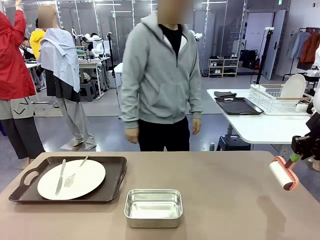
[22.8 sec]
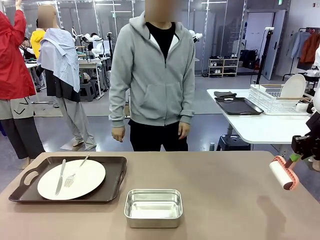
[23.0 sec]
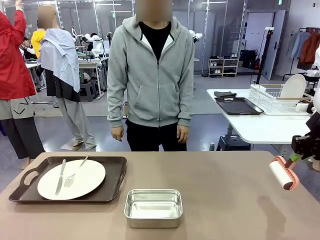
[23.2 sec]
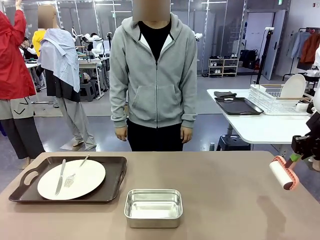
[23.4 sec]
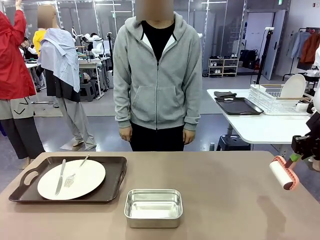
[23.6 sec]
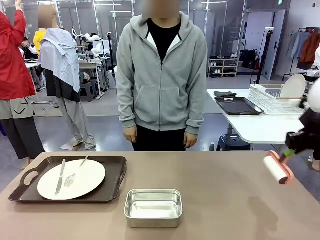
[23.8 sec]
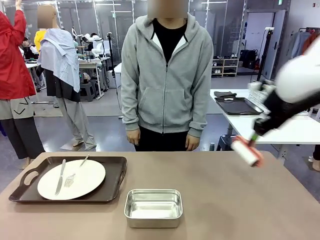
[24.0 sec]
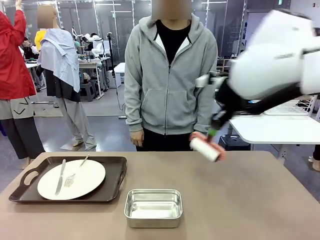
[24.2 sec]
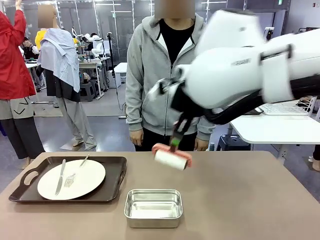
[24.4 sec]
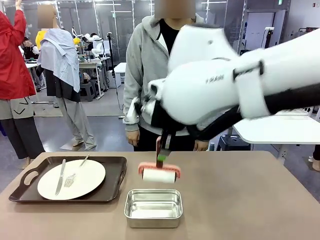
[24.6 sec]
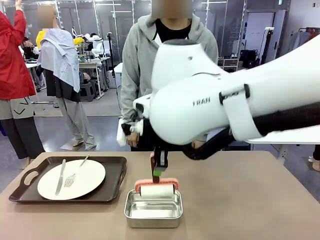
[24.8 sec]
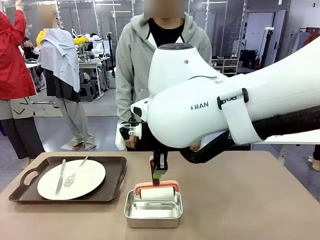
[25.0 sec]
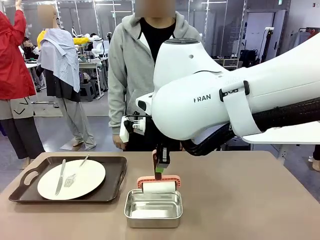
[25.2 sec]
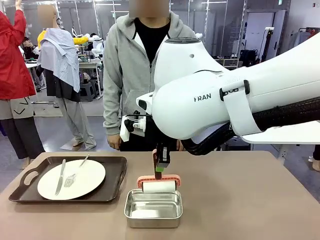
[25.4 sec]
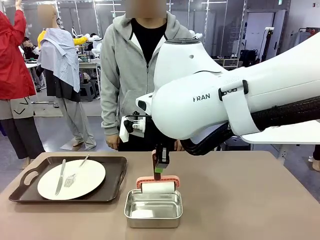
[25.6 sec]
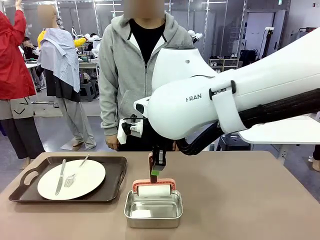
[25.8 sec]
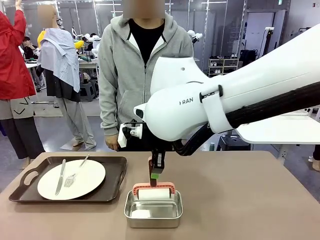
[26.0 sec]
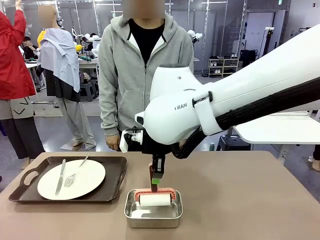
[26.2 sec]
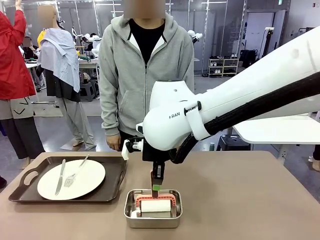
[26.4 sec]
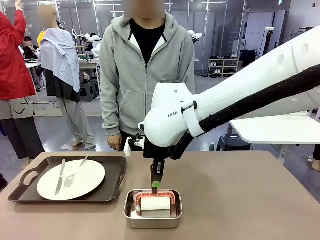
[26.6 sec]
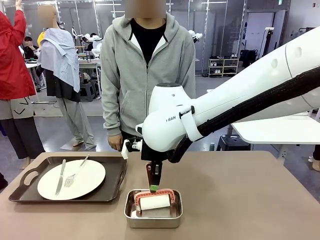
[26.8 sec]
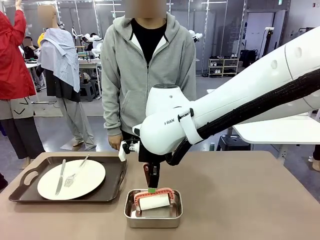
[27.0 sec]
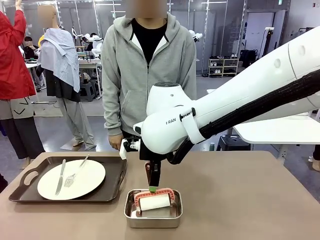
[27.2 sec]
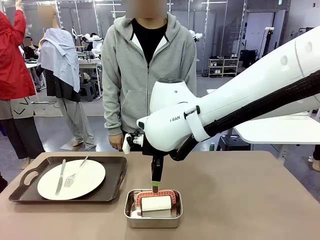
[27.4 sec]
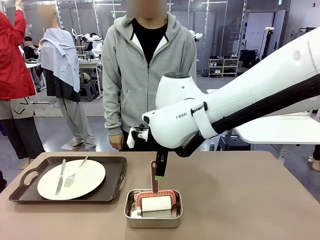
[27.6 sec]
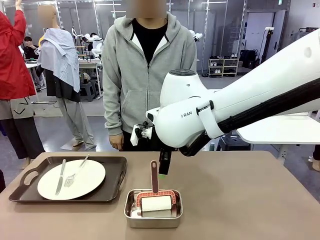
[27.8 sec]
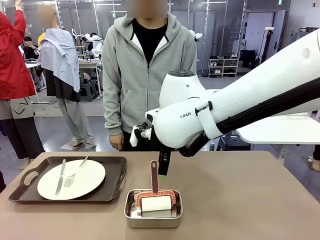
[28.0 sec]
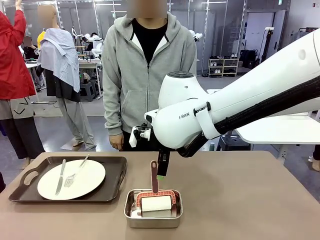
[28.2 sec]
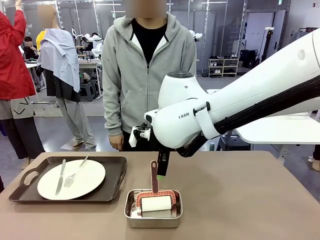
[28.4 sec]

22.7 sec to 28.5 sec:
Robot: Place the Lint Roller back on top of the Airtight Container.

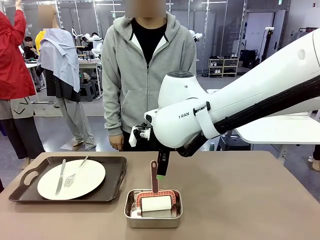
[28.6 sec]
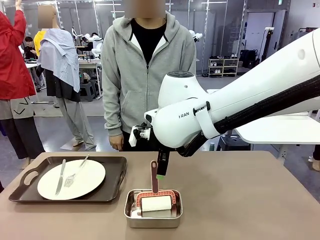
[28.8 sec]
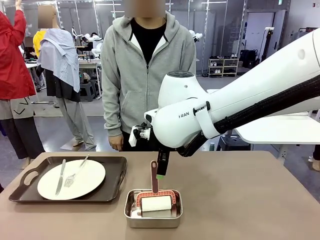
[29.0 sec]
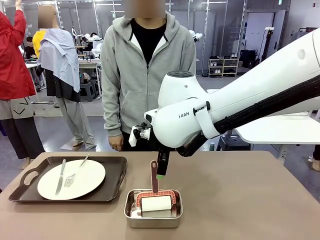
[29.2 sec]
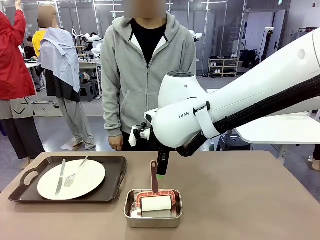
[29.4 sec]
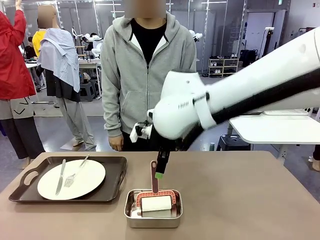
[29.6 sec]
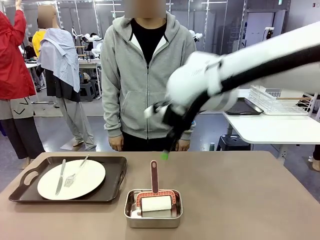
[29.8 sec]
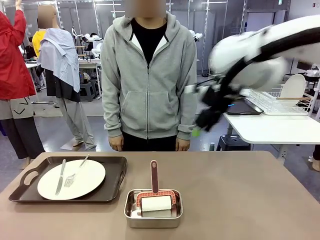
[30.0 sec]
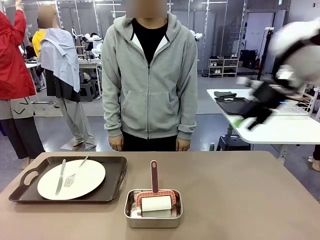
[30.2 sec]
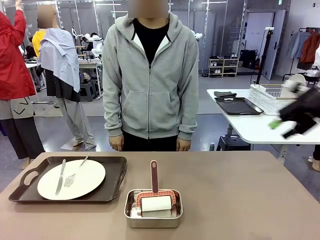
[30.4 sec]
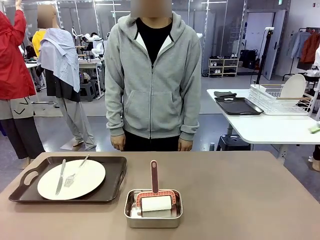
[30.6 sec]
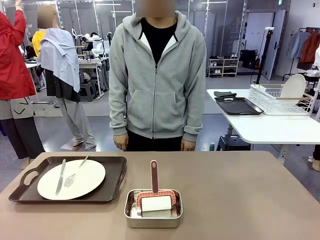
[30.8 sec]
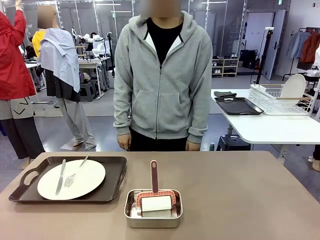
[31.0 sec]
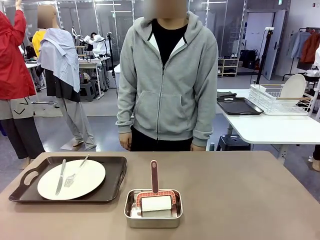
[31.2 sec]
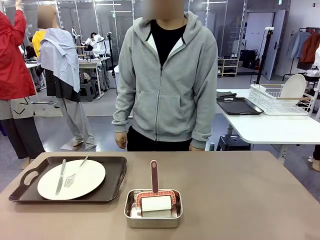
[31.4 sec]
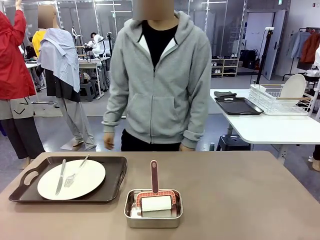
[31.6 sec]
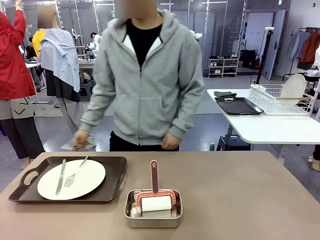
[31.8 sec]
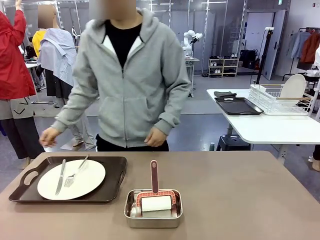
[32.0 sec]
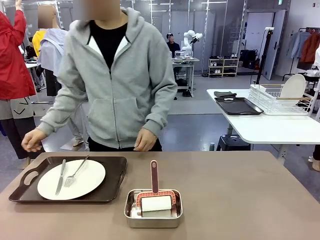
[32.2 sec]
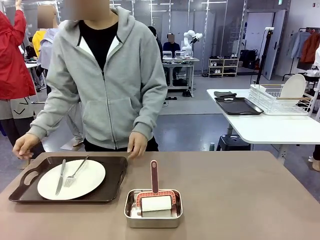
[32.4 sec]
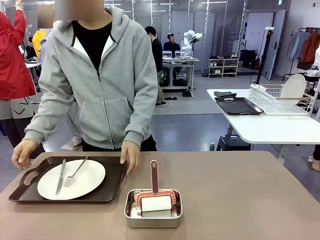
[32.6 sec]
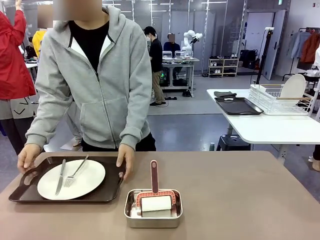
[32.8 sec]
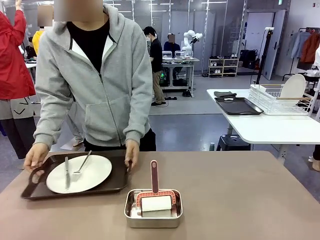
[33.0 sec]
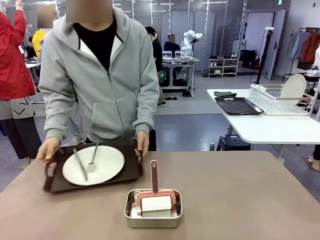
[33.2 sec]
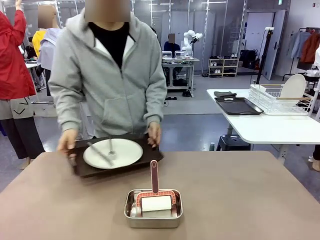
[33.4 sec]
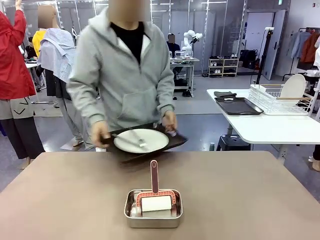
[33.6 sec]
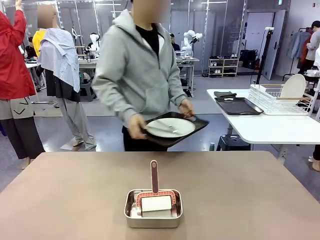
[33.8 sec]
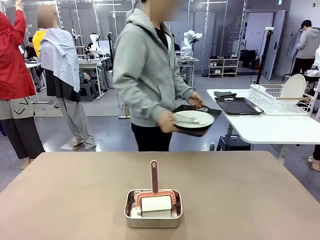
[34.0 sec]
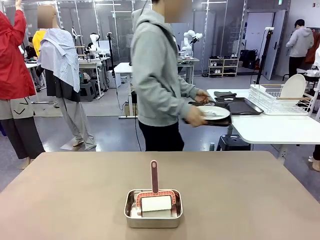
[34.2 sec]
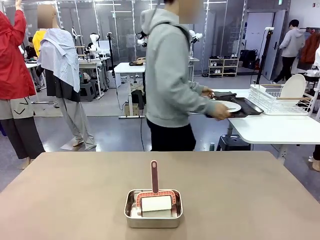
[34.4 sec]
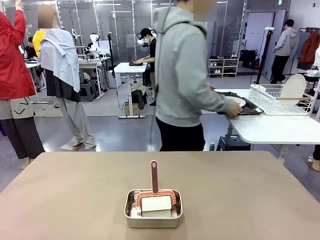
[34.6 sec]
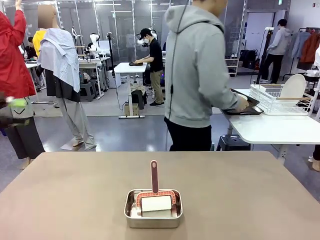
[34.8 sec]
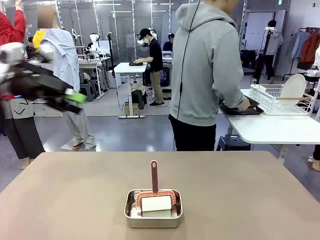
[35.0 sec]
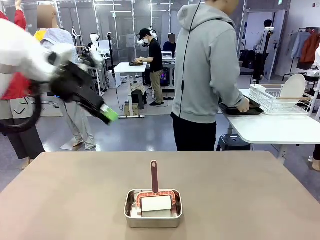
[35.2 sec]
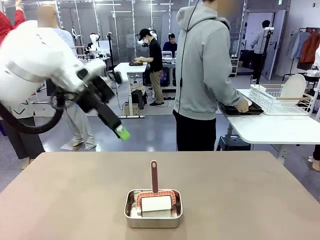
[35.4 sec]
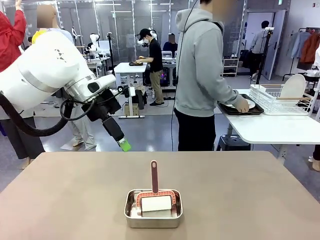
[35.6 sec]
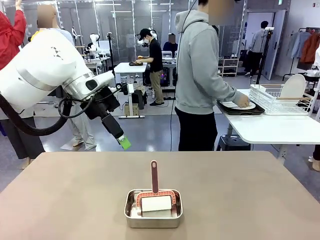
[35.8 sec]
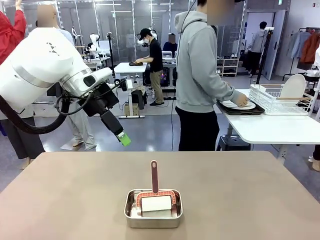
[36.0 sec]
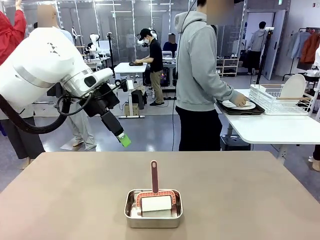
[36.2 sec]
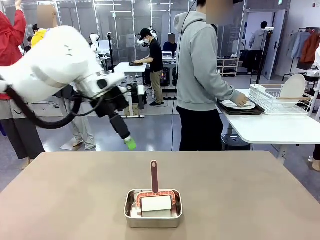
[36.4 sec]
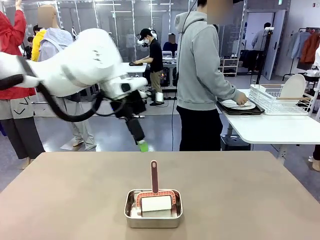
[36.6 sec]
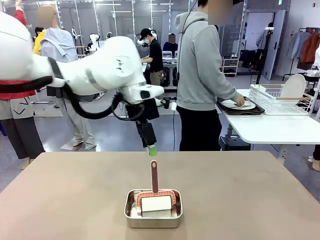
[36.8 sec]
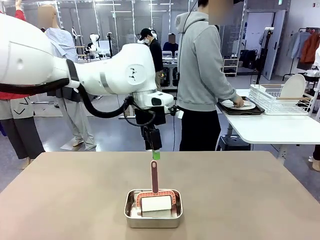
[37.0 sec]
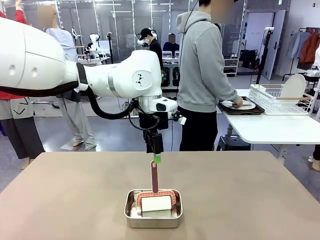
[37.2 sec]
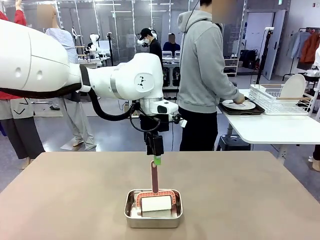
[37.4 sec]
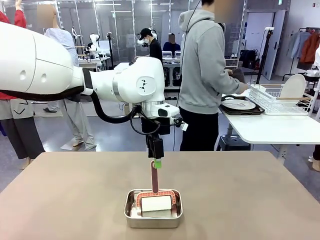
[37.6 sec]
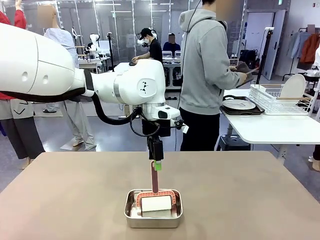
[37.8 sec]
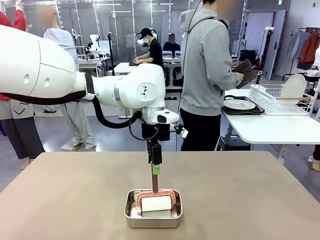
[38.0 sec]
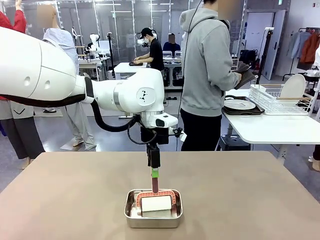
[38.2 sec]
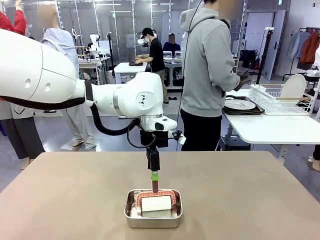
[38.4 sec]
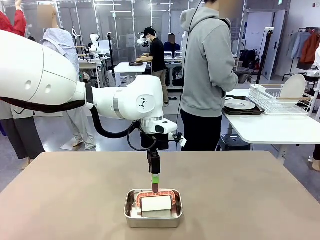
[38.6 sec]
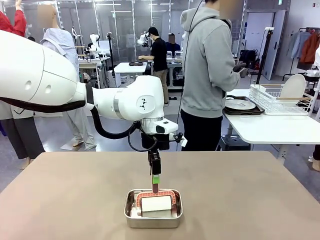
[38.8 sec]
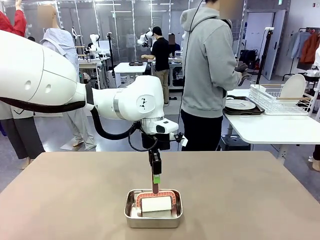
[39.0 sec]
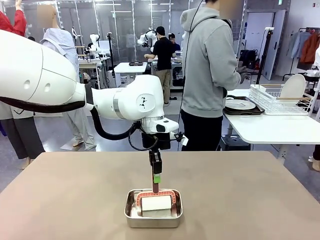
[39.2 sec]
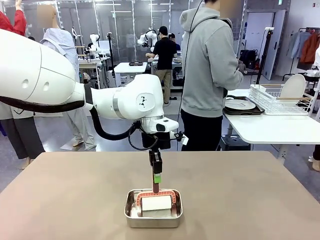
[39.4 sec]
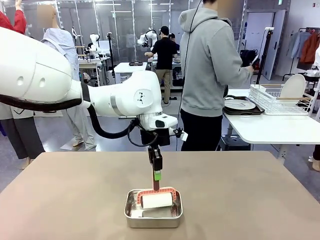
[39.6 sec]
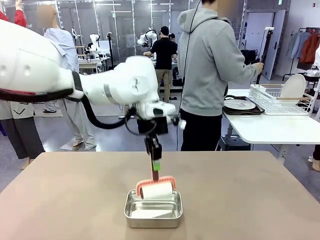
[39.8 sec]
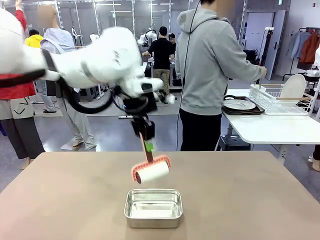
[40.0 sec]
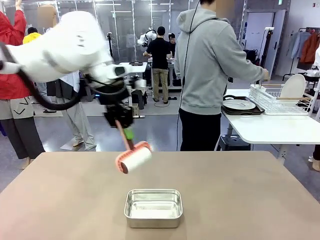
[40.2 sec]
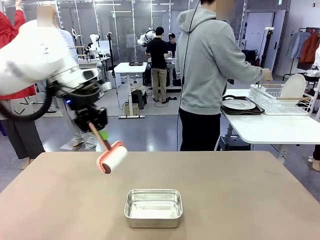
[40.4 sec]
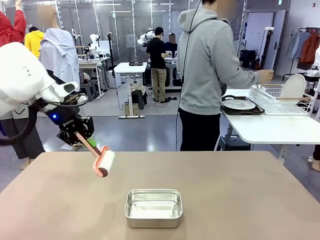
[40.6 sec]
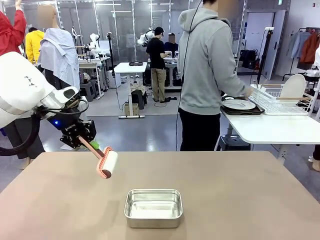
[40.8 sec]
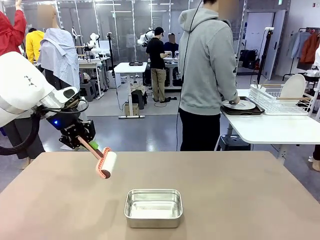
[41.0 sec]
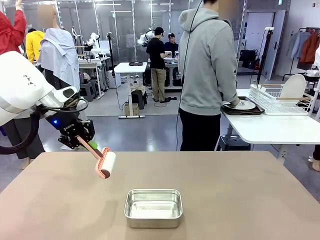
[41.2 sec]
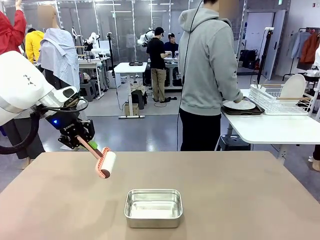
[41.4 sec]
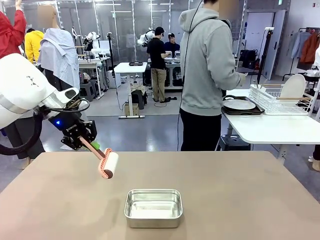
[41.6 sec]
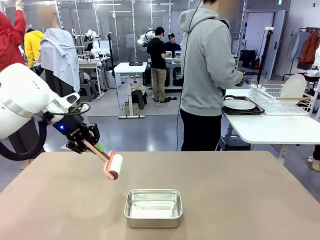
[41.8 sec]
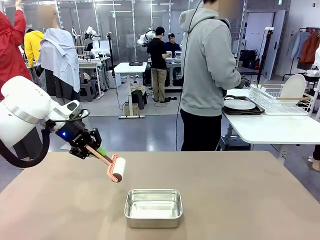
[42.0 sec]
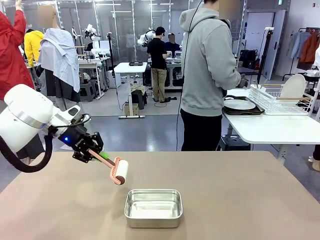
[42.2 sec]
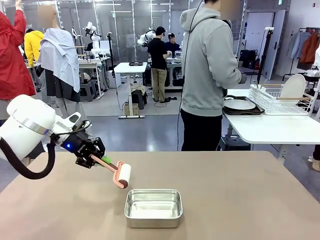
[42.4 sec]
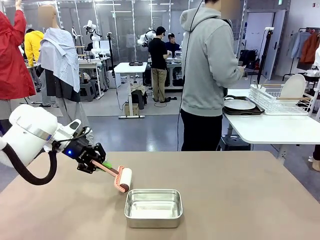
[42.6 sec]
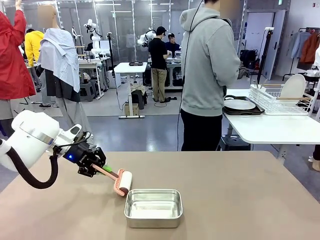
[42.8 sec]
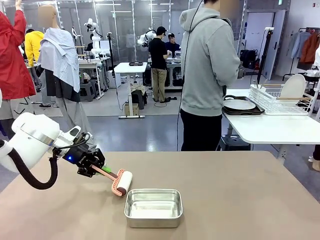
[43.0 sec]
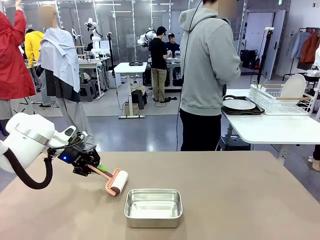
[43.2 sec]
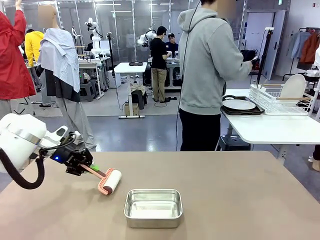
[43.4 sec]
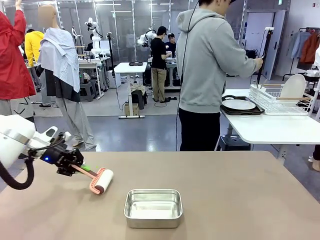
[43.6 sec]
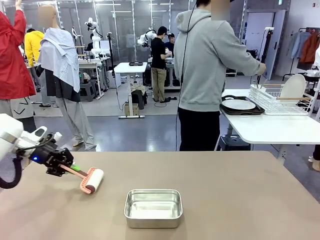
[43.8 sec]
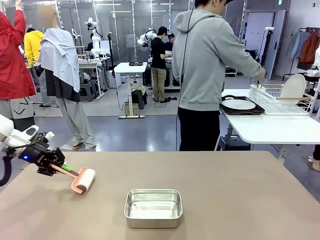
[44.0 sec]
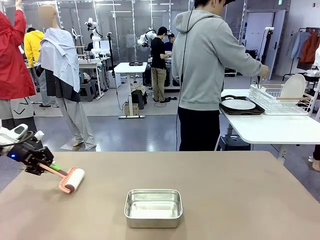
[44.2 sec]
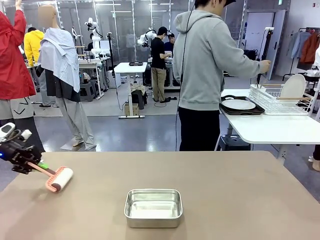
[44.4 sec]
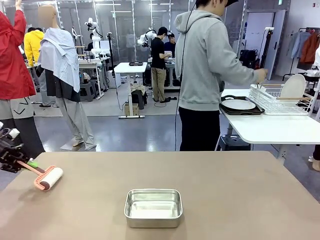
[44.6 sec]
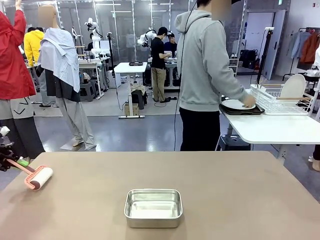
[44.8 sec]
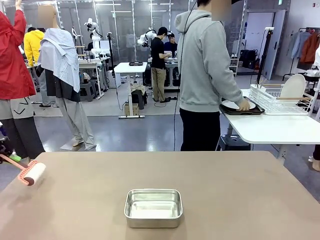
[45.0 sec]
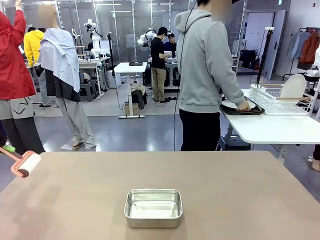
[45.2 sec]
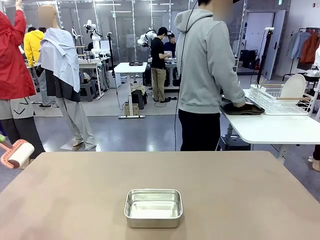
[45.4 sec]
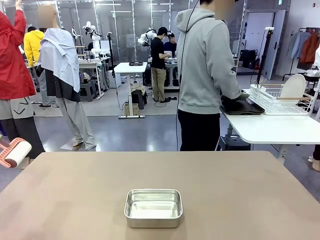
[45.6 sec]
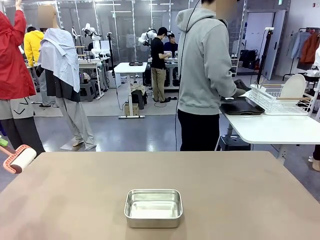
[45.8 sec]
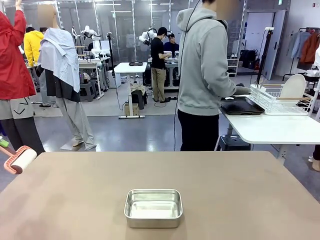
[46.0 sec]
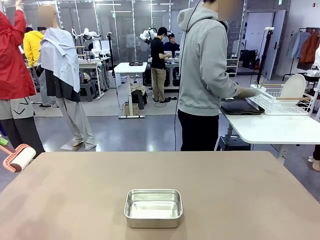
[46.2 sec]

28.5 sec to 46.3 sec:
Robot: When the right (or left) Handle tray is removed, use the right hand (or left hand) to clean the right (or left) side of the table with the Lint Roller.
Person: Pick up the left (or right) Handle tray and place it on the Handle tray.
